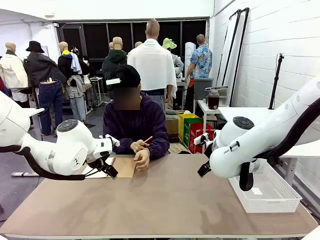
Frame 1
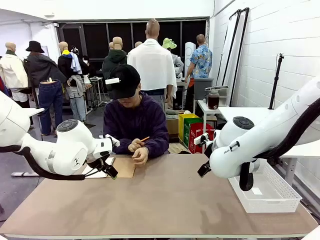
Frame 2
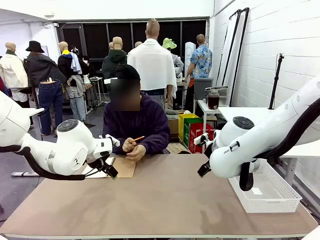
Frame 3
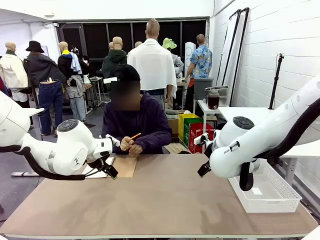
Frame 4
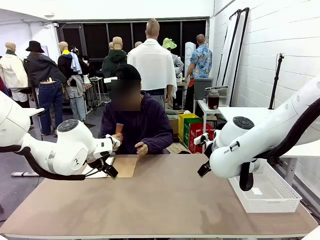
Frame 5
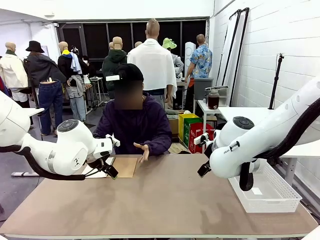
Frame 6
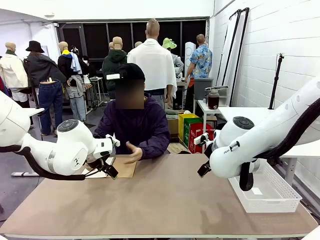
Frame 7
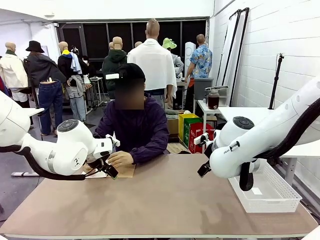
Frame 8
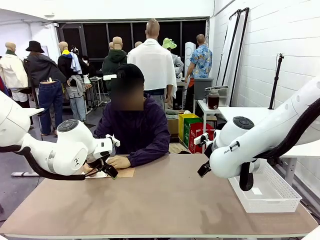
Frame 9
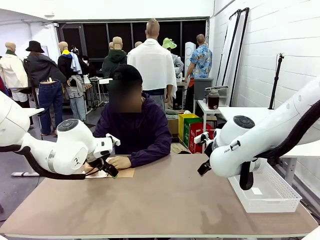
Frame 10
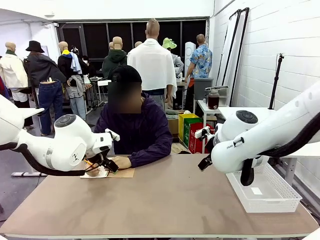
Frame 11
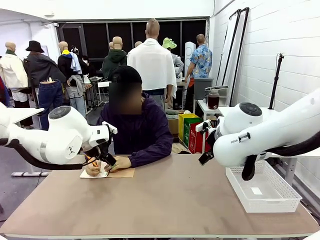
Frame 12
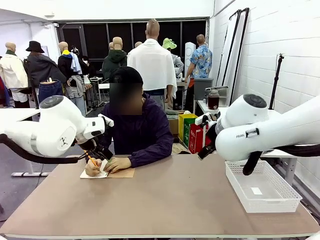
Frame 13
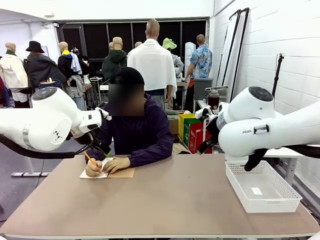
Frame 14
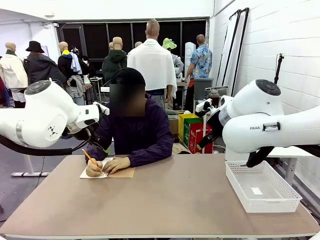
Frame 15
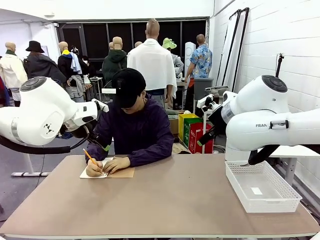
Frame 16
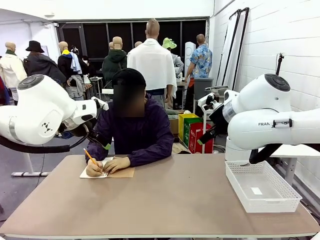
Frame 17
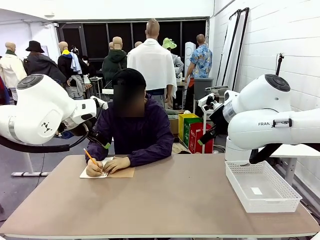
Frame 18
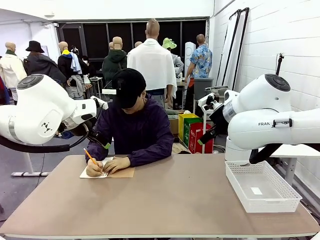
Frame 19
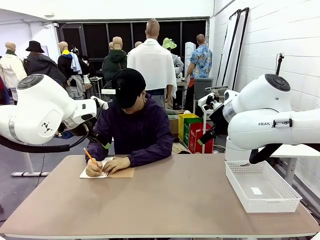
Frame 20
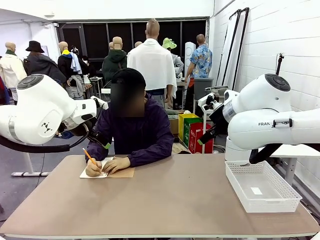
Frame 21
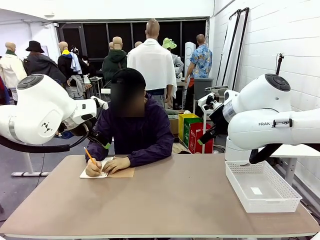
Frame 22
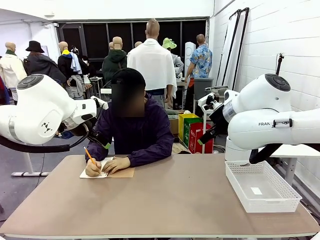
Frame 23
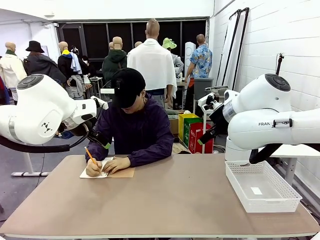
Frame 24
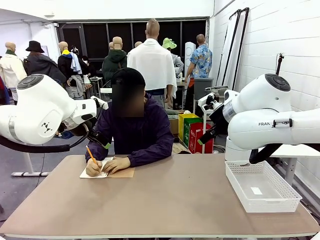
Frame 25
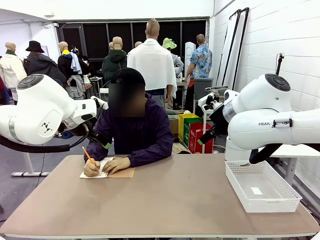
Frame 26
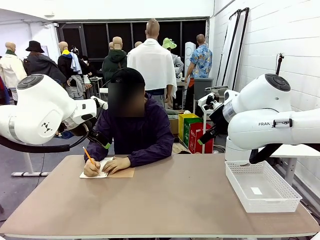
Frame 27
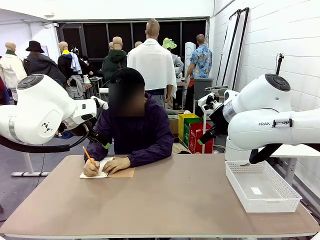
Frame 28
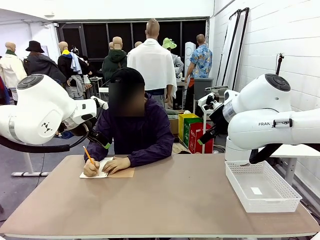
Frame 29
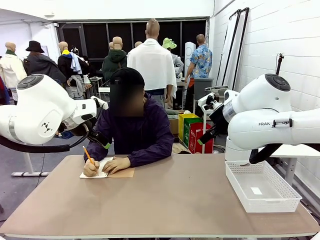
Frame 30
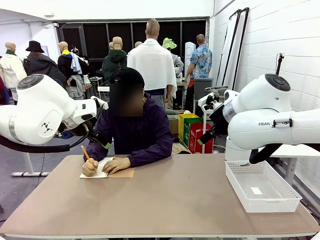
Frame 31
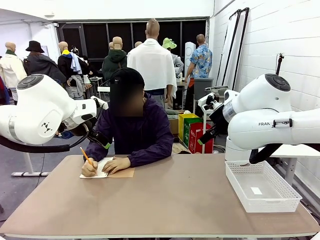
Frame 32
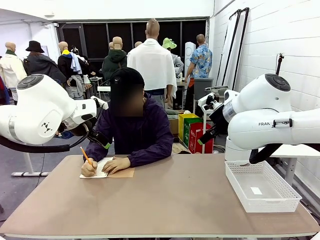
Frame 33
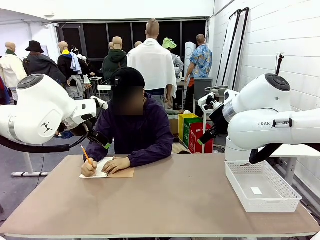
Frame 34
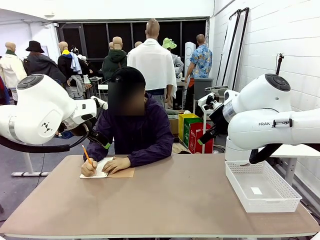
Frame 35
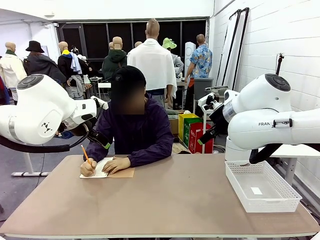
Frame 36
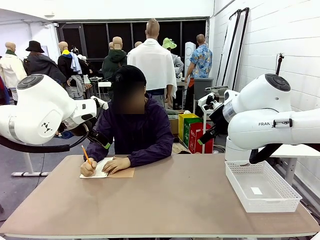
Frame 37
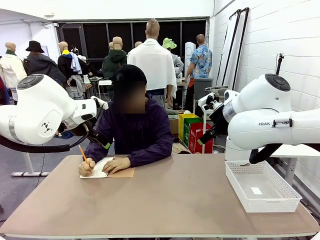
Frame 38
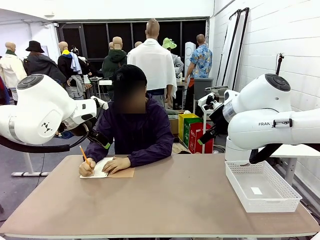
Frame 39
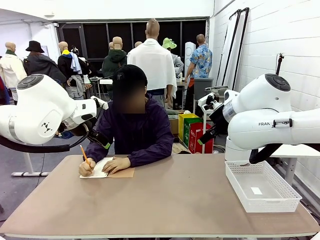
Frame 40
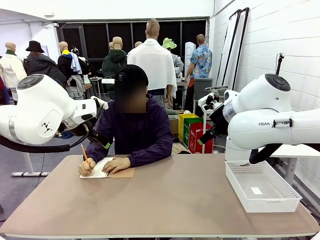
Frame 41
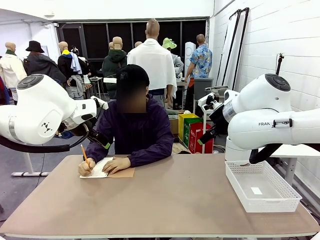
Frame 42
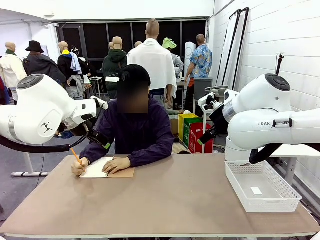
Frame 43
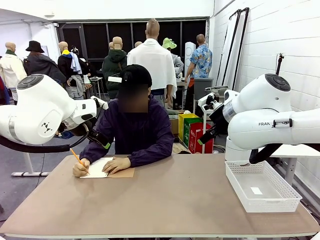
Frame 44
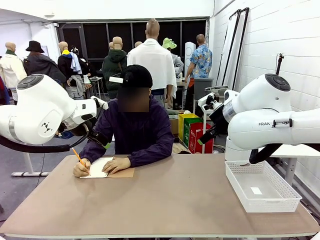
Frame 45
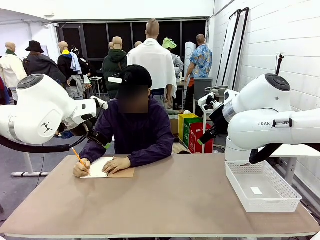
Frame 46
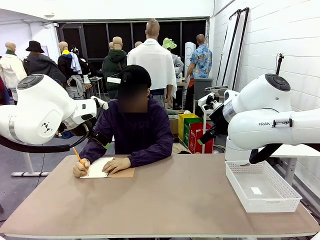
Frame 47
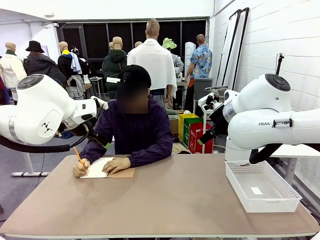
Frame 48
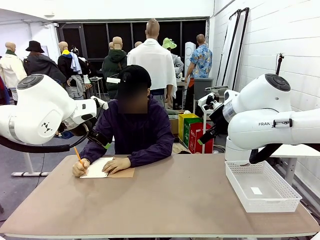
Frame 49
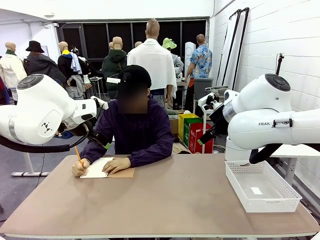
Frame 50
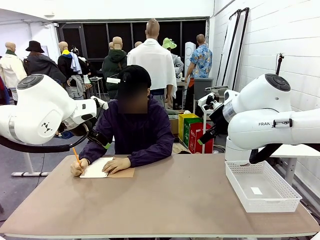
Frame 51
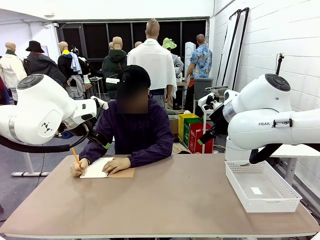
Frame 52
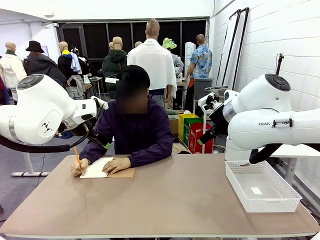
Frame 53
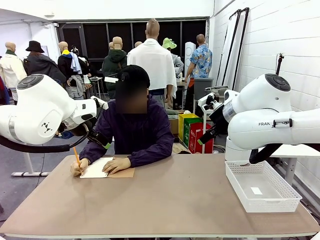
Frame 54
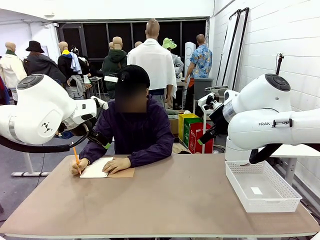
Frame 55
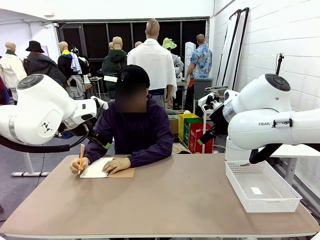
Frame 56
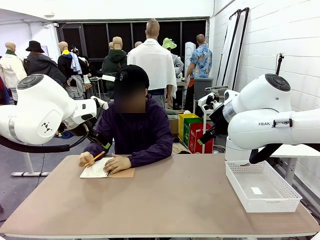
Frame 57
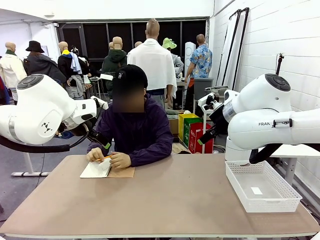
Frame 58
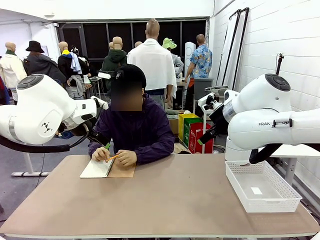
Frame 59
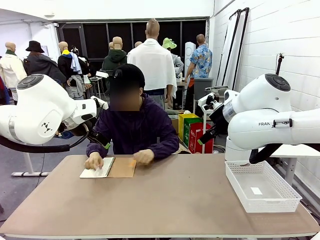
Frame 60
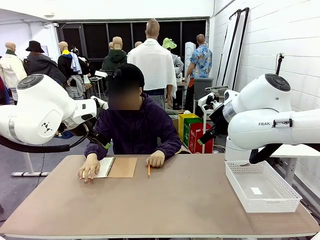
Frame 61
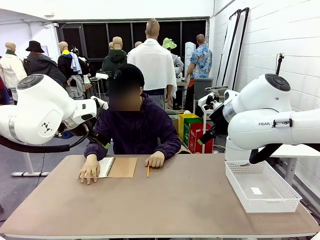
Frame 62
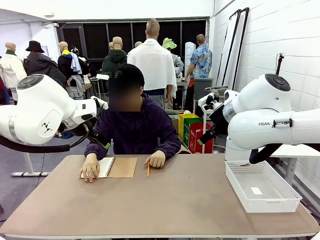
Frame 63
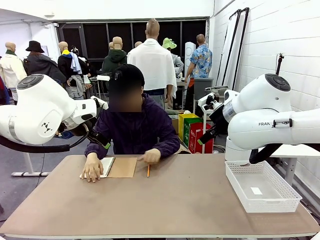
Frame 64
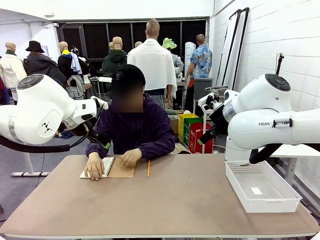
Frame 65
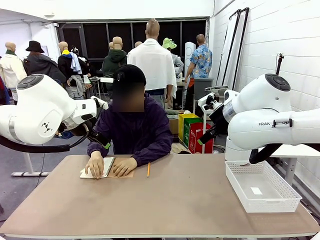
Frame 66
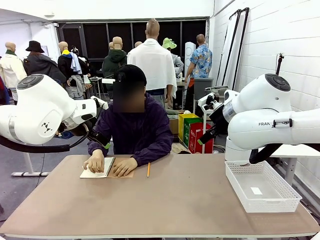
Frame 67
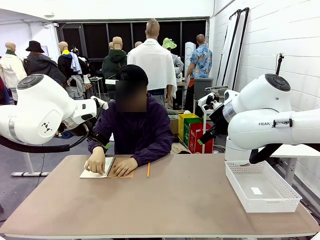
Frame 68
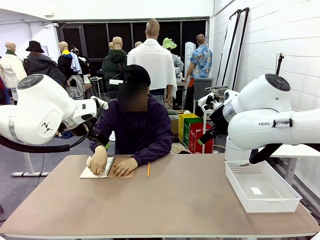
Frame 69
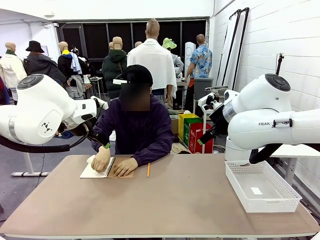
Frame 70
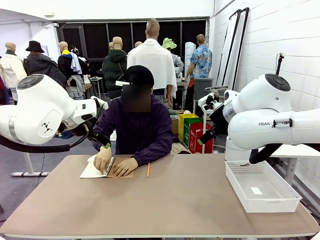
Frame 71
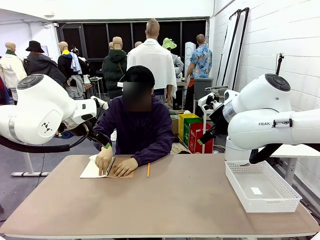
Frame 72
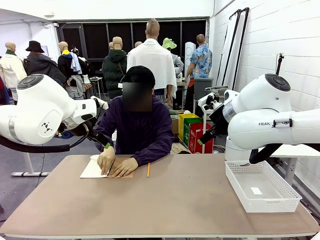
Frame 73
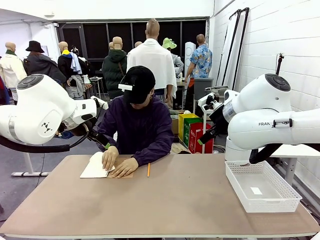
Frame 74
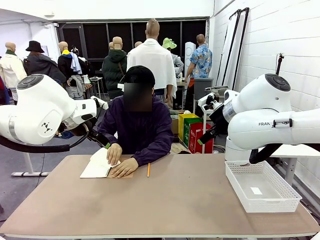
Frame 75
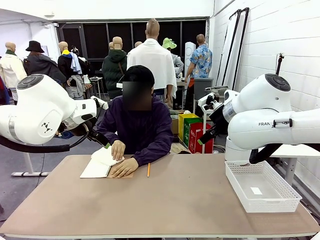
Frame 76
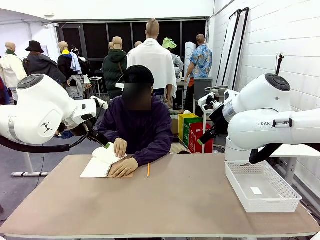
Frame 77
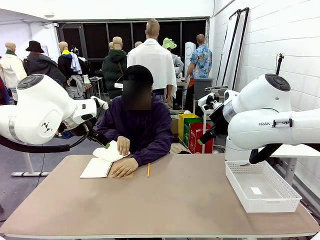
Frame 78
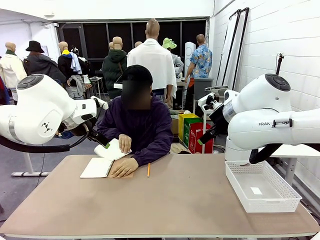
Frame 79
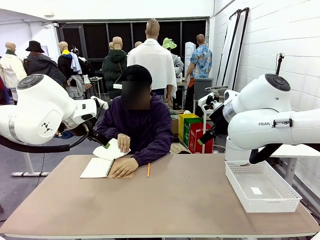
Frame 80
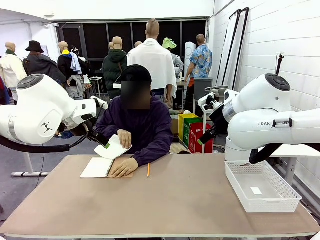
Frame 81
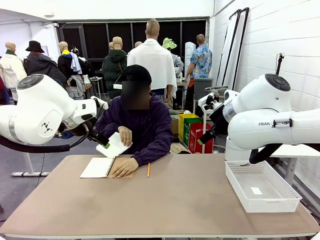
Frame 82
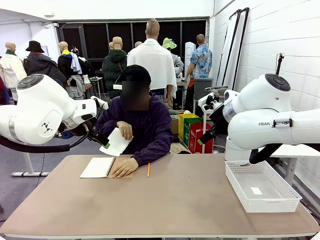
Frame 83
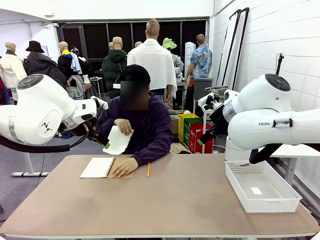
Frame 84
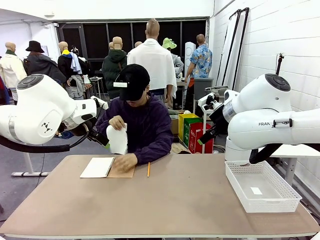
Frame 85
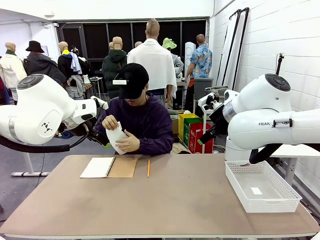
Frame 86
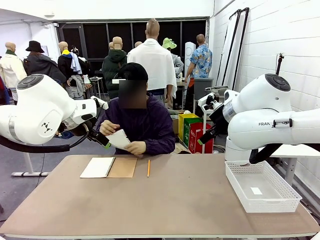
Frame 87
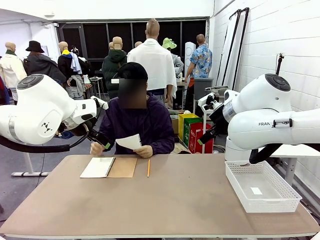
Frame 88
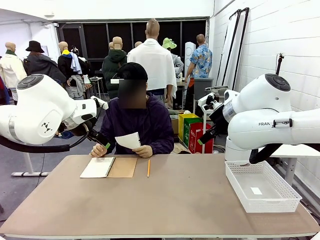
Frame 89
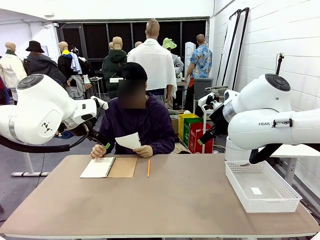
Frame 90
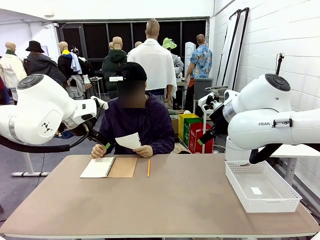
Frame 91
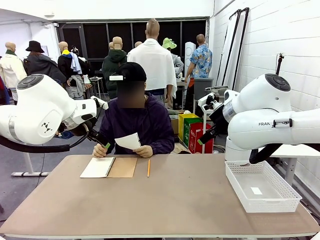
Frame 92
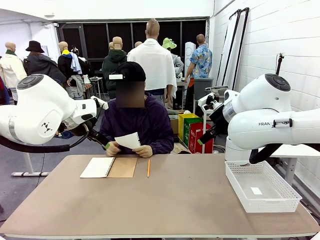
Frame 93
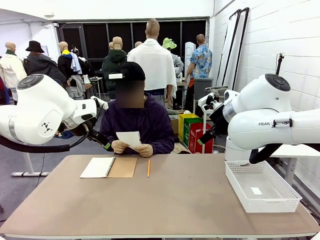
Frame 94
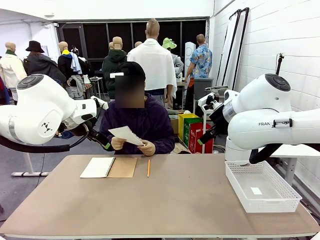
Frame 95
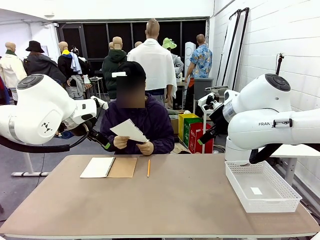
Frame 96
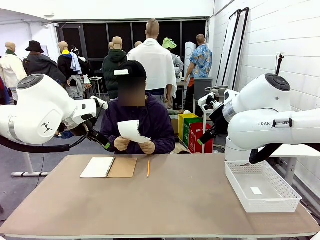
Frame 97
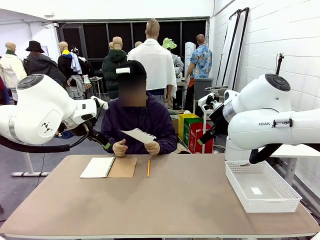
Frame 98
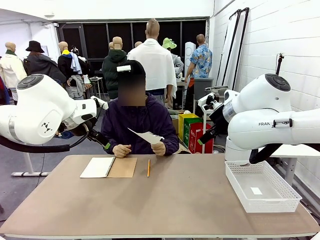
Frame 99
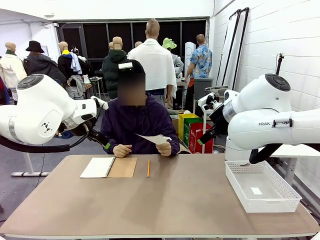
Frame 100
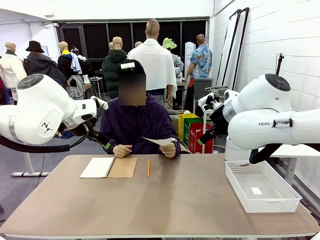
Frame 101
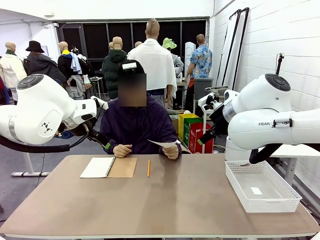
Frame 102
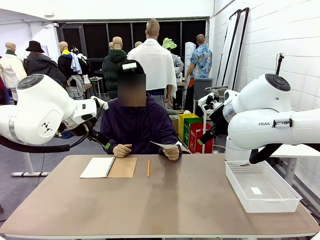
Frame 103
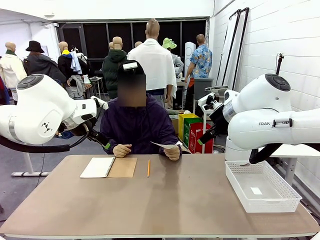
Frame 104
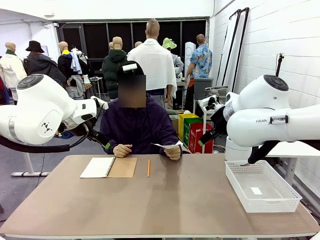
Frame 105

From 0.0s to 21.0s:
Task: Sort the paper based on its condition.
Robot: If a person hands you a paper, place it in the Organizing basket , and if it's crumpled, put it in the Trash can.
Person: Tear out a page from the spiral notebook. Hand the torn page to the robot or crumple it and throw it to the center of the table.
